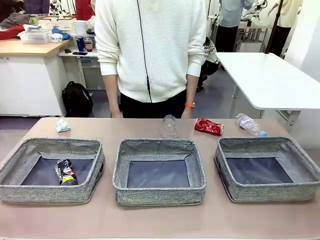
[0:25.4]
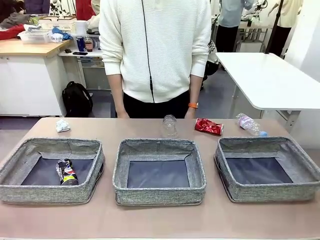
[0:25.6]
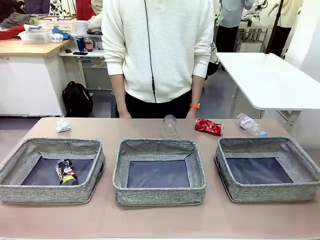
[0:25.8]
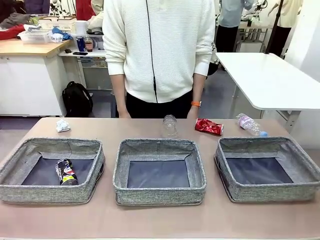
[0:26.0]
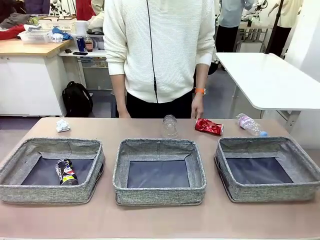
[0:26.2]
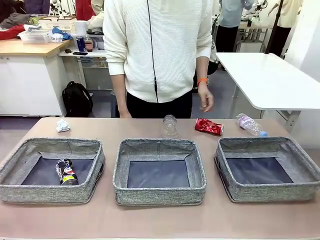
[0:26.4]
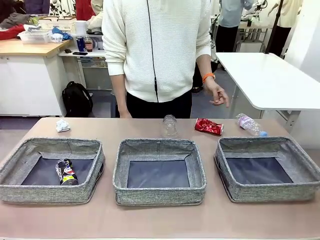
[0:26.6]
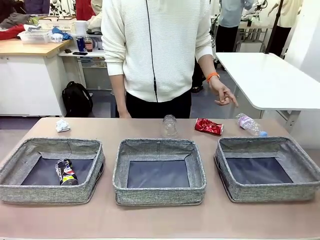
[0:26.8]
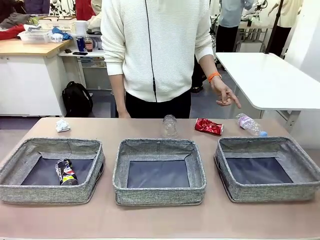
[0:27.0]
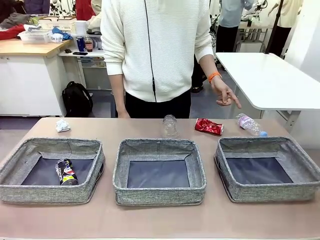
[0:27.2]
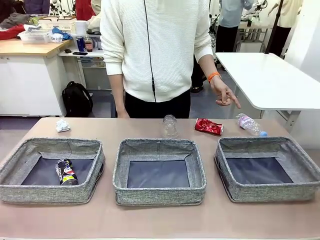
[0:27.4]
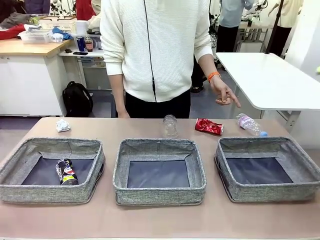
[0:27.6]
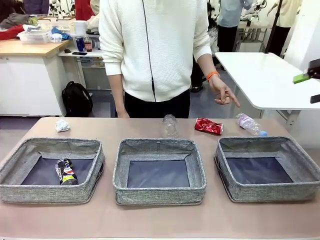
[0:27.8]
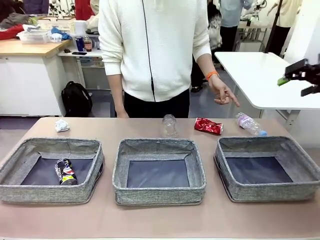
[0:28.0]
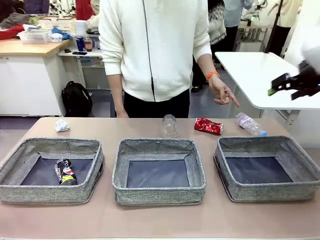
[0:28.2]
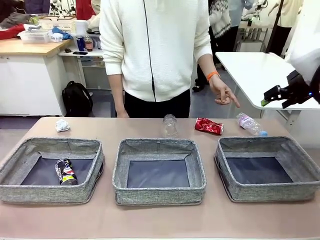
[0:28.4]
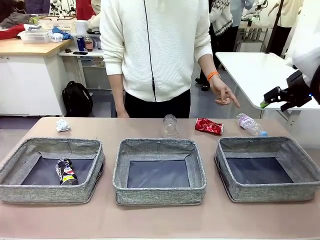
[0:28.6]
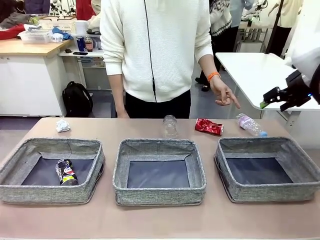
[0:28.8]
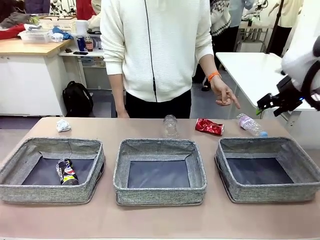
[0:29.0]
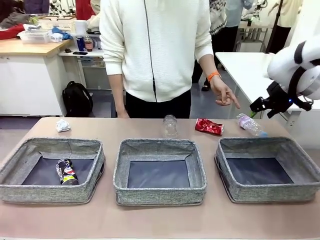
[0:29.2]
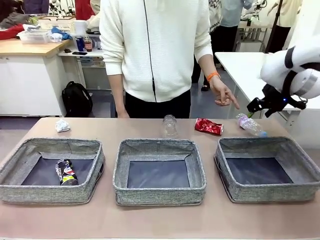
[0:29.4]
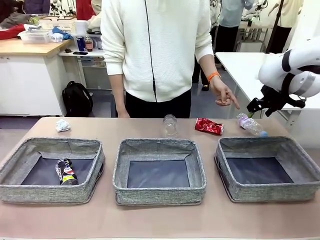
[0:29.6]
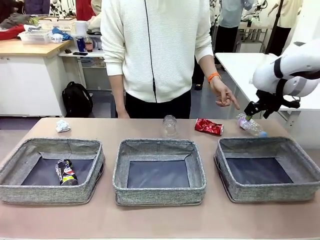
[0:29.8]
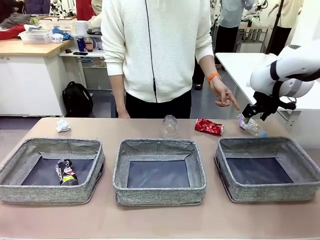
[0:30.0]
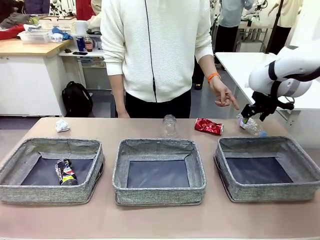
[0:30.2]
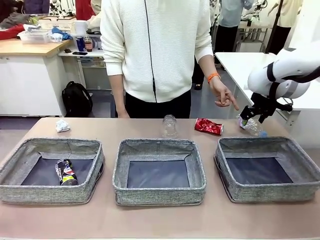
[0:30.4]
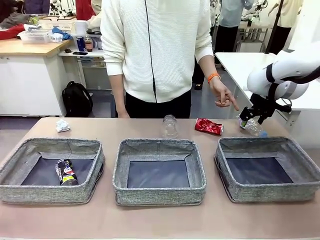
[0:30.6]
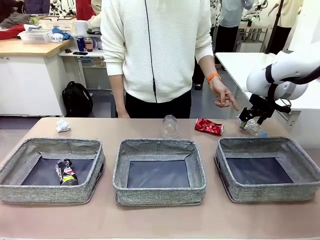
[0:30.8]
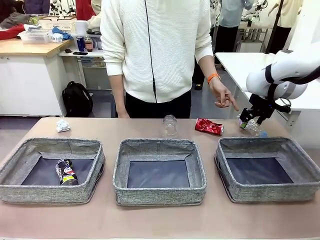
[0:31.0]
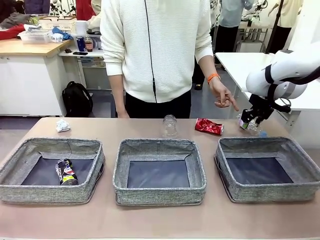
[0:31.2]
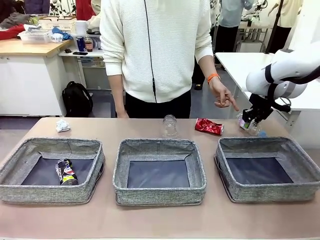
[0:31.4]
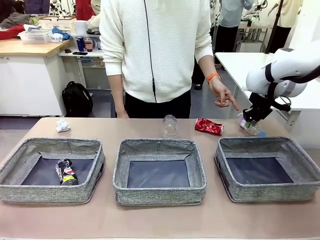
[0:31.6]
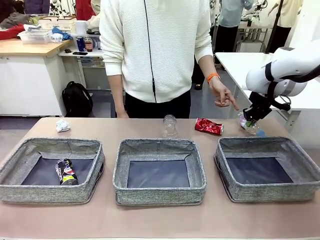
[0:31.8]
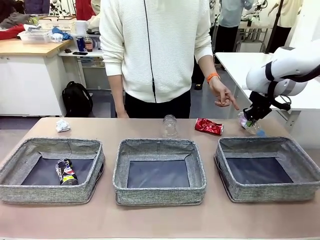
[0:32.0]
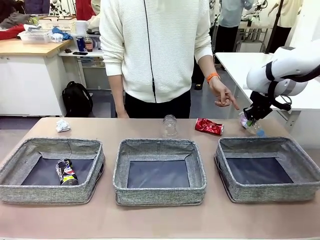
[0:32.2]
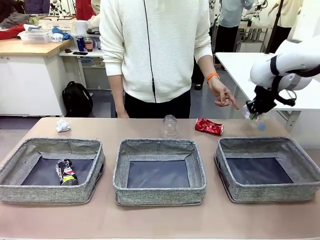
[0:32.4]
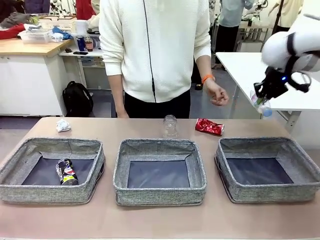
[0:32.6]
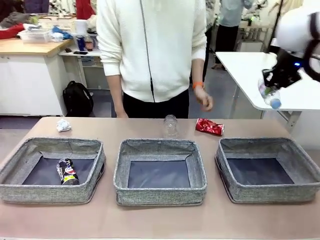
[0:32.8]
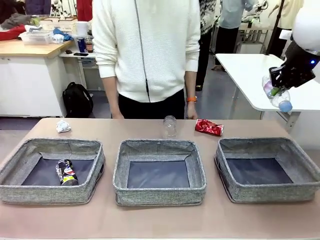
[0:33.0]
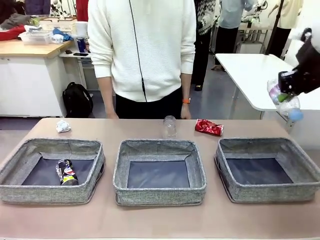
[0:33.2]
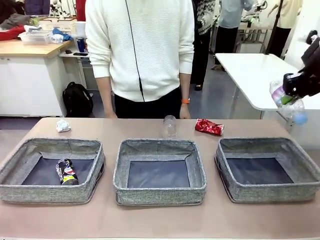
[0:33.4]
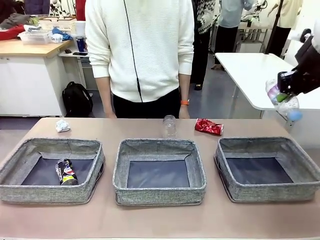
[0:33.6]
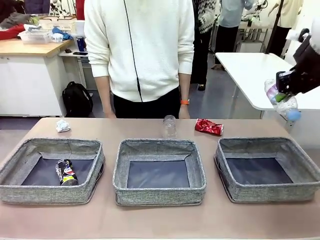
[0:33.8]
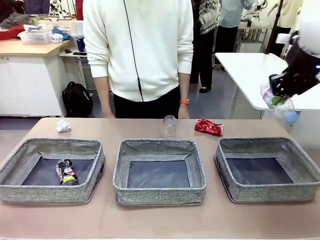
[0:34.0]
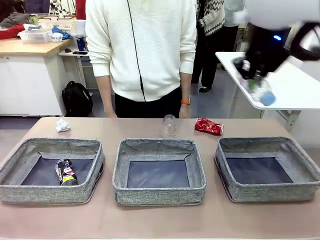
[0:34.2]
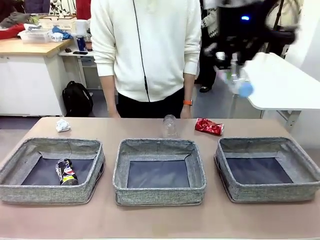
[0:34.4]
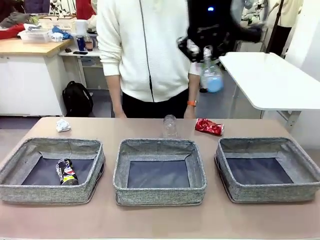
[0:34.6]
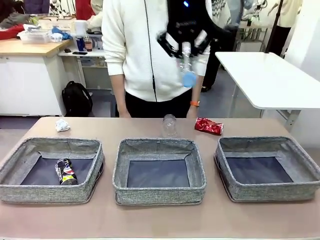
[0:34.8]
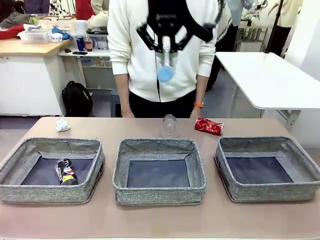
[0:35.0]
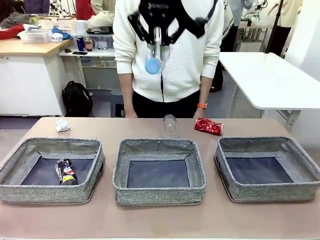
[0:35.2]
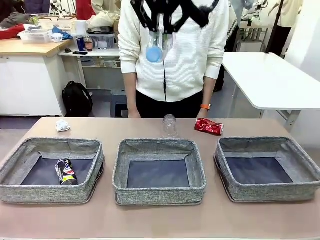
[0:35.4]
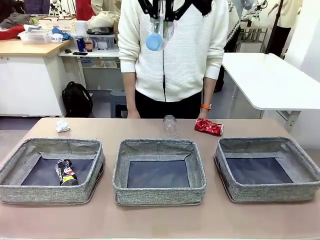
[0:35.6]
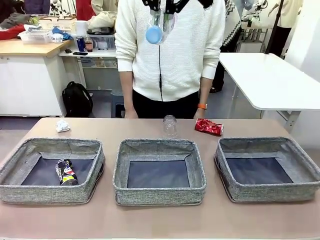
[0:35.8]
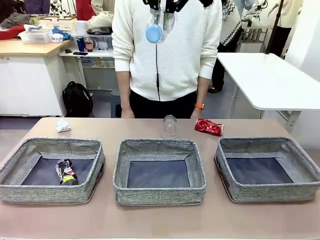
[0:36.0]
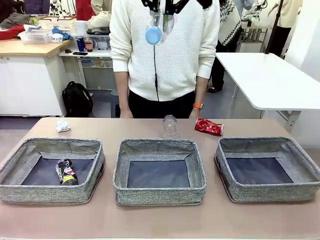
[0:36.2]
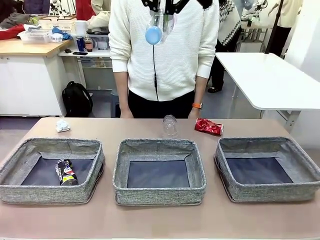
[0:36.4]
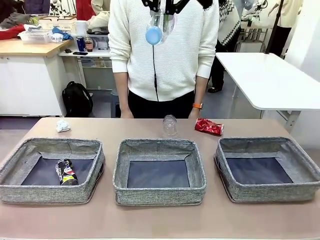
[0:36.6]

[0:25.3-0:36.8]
Task: Sort the waste into the appropriate baskets.
Robot: Pick up the waste item pointed out by the person.
Person: Points to one piece of trash on the table.

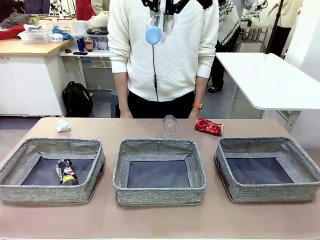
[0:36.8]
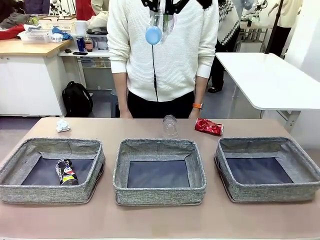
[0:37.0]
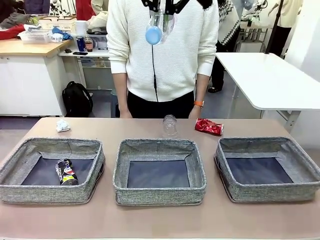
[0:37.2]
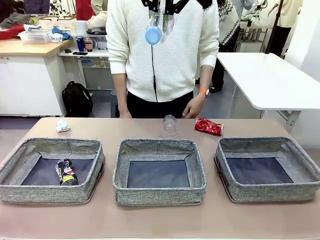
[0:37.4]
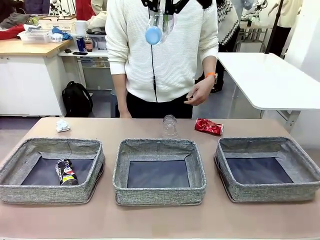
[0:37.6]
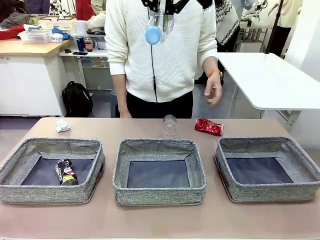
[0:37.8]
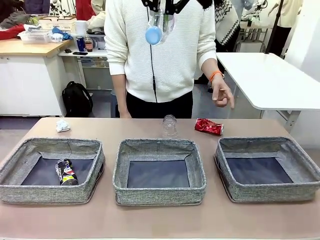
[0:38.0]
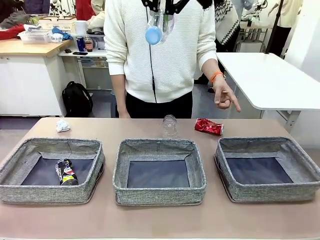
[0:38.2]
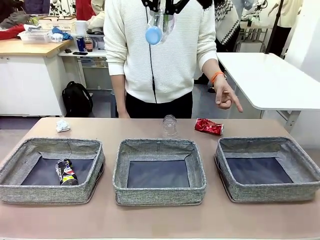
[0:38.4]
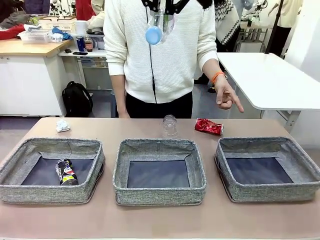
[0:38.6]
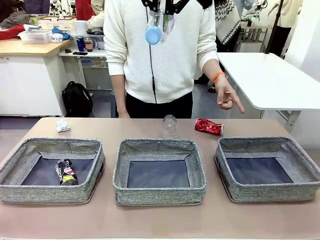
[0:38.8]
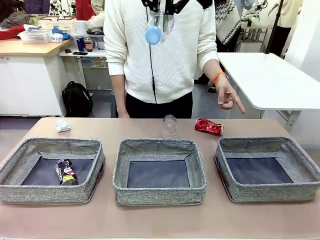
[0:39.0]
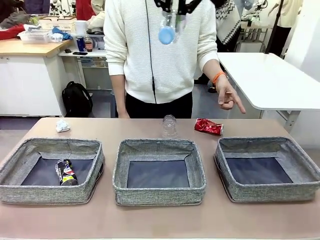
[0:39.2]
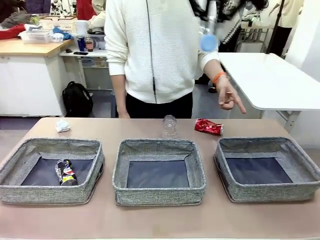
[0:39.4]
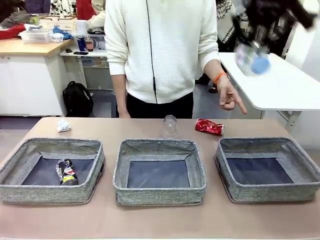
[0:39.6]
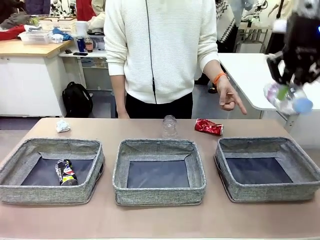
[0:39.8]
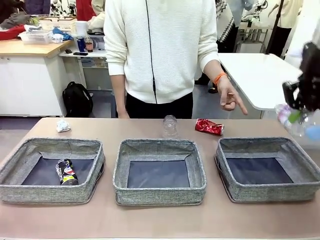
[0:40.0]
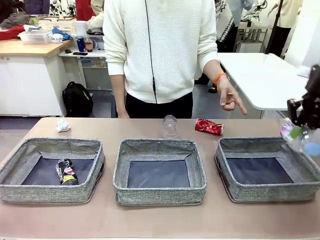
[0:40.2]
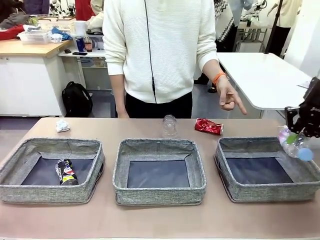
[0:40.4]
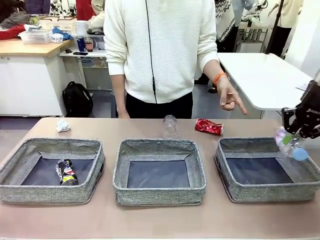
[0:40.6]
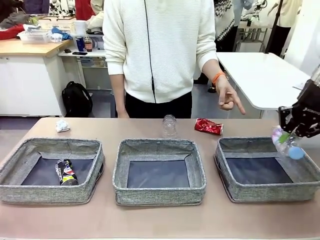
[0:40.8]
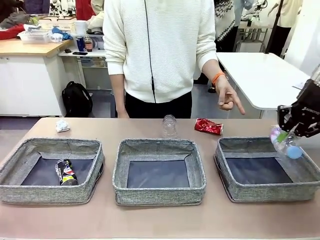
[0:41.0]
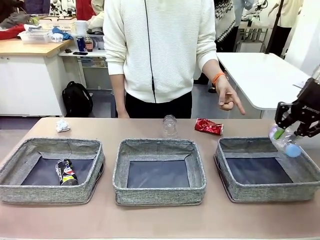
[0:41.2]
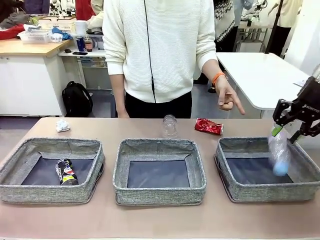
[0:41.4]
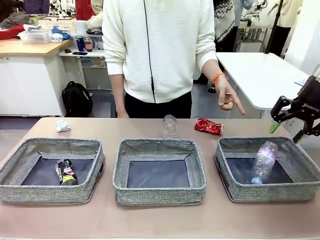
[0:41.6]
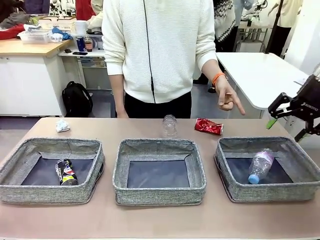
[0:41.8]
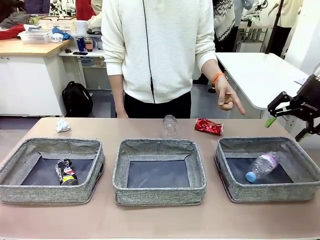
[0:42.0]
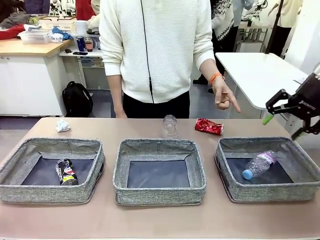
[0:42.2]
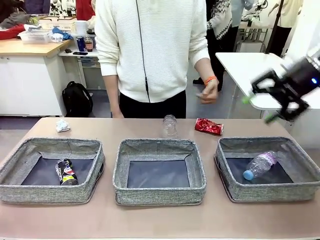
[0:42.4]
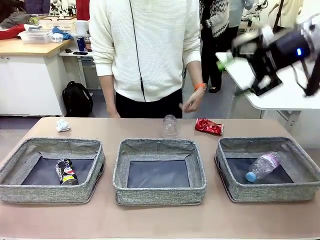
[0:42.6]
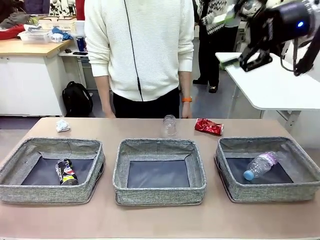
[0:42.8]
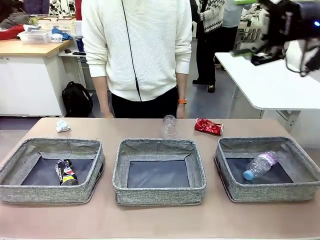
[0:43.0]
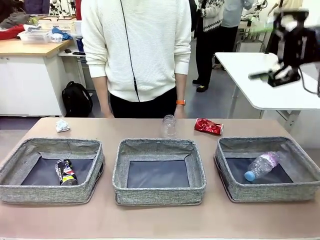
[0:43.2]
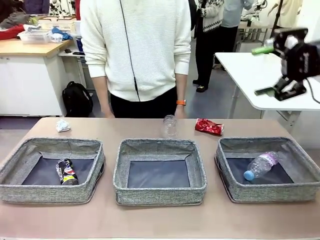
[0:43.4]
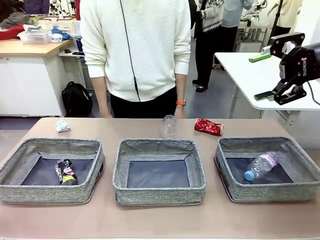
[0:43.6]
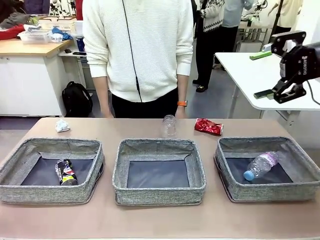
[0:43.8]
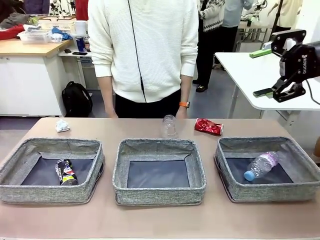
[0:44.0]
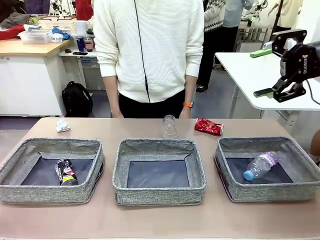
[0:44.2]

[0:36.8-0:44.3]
Robot: Place the picked waste into the Fabric basket indicated by the person.
Person: Instructs the robot to place the picked-up trash into the appropriate organizing basket.
